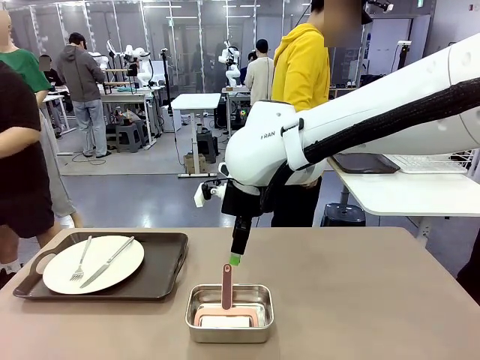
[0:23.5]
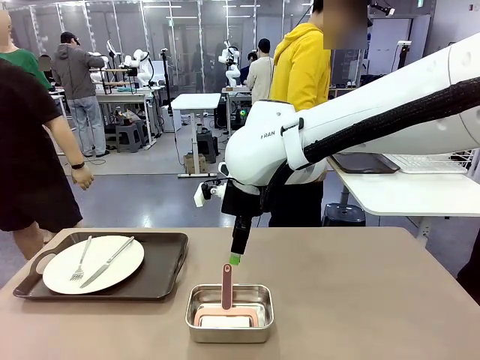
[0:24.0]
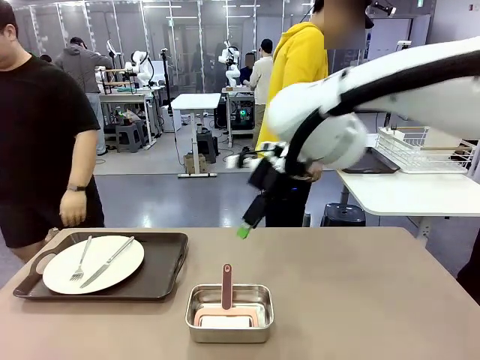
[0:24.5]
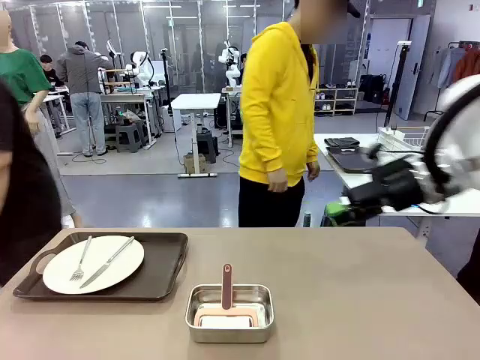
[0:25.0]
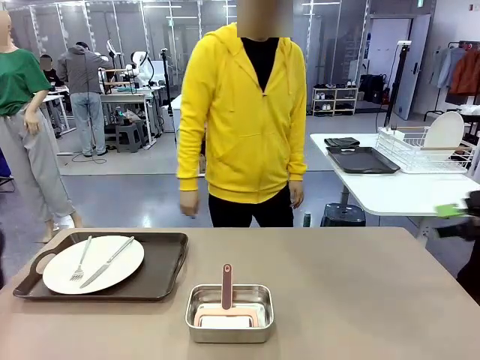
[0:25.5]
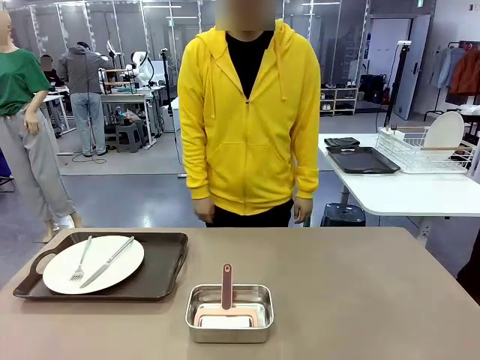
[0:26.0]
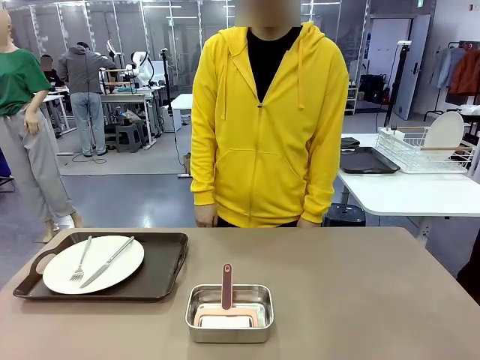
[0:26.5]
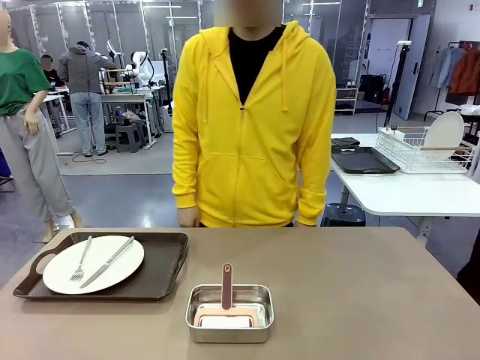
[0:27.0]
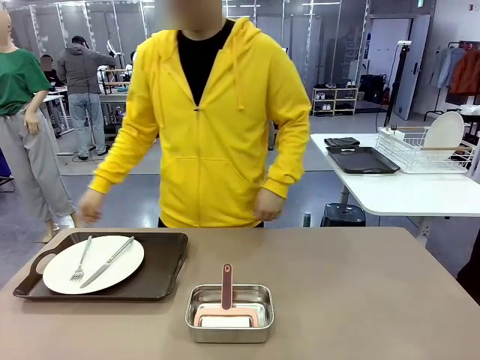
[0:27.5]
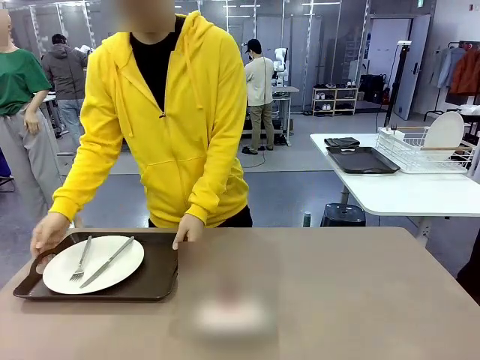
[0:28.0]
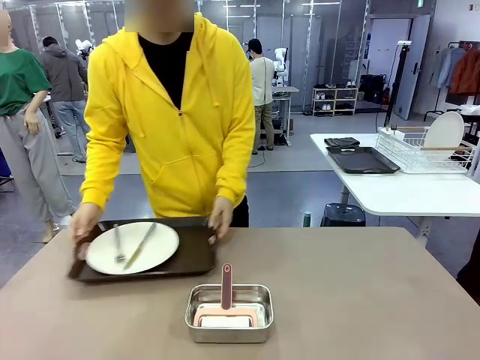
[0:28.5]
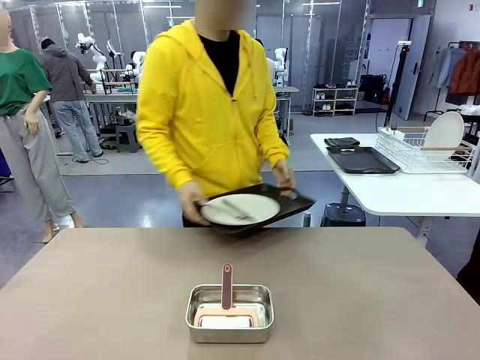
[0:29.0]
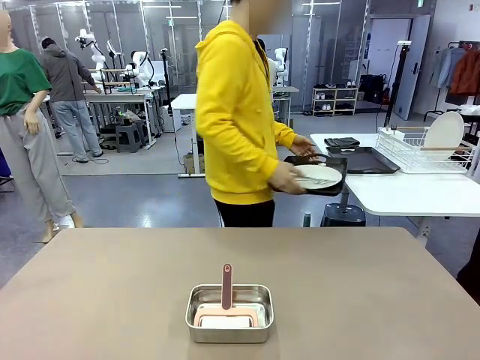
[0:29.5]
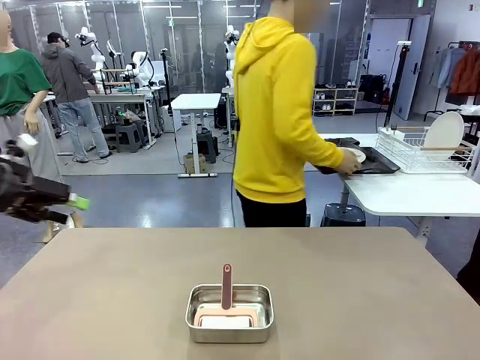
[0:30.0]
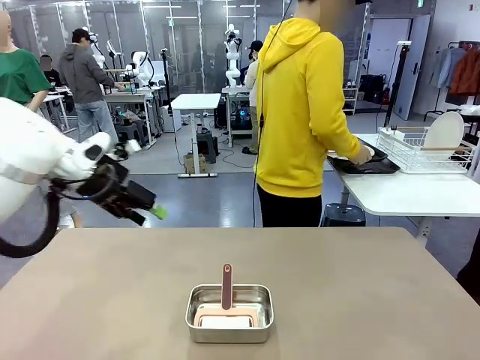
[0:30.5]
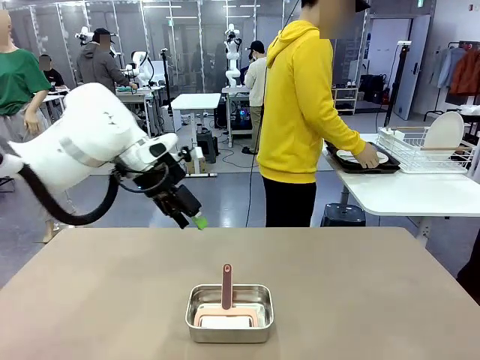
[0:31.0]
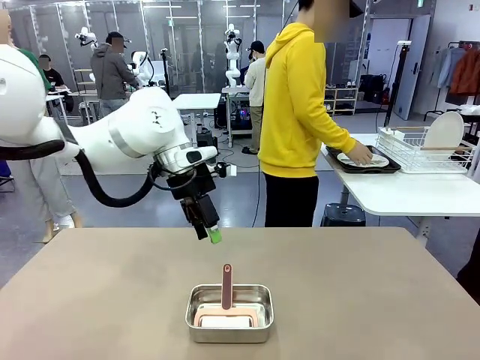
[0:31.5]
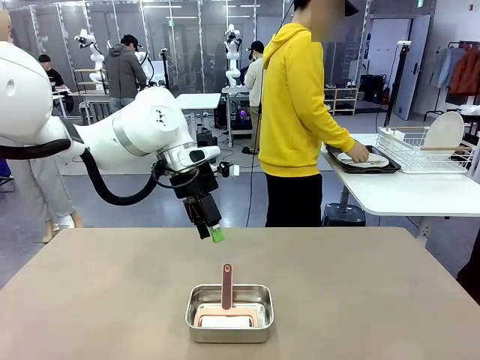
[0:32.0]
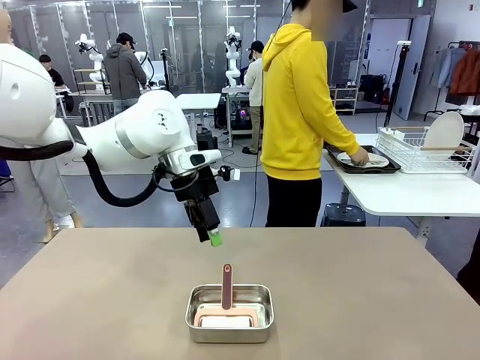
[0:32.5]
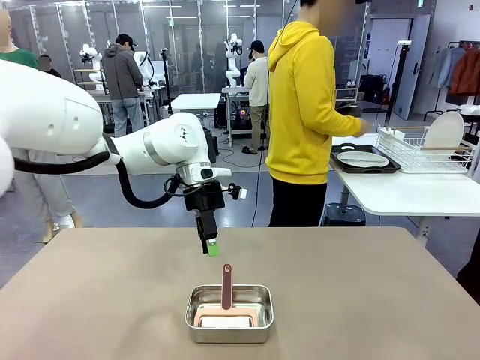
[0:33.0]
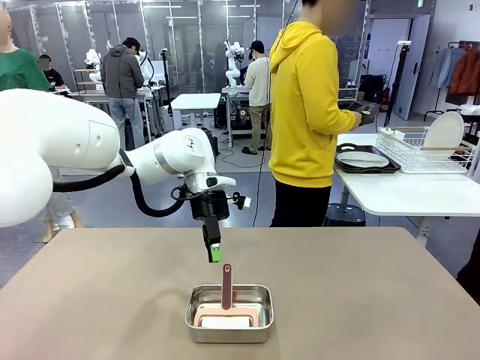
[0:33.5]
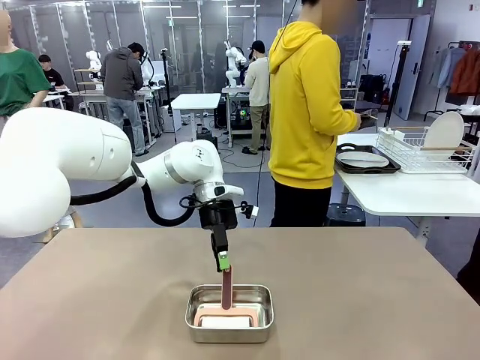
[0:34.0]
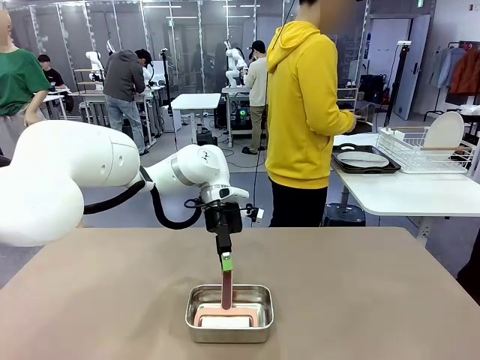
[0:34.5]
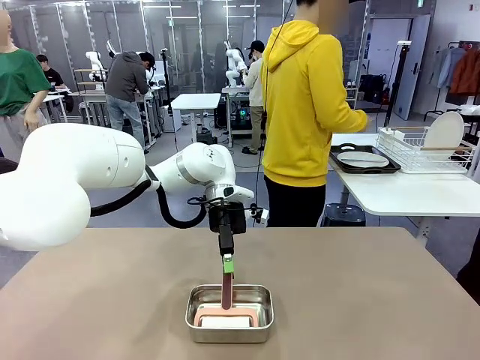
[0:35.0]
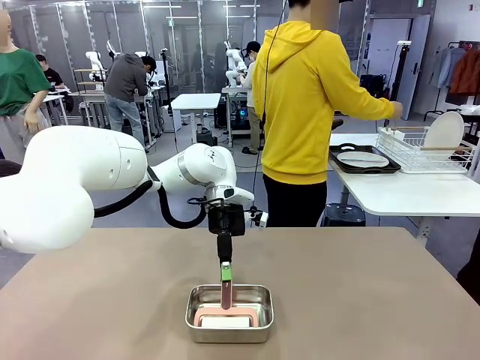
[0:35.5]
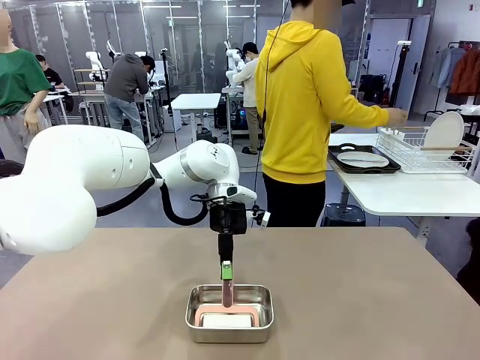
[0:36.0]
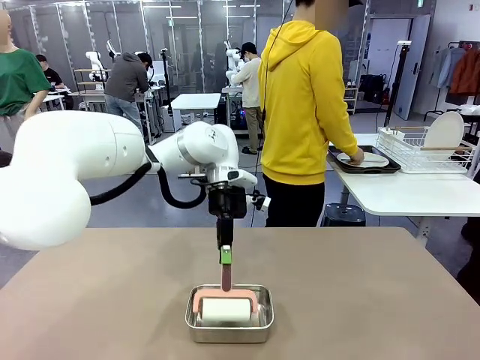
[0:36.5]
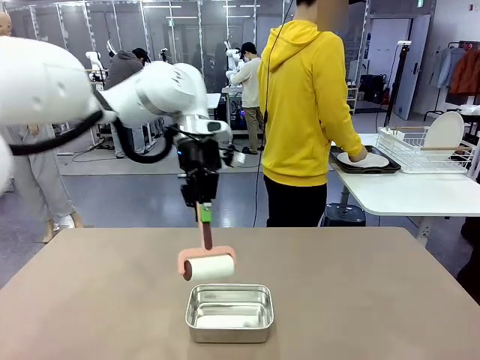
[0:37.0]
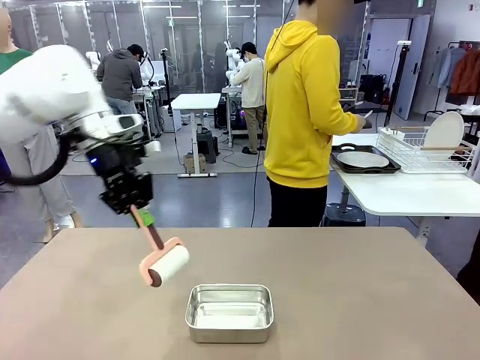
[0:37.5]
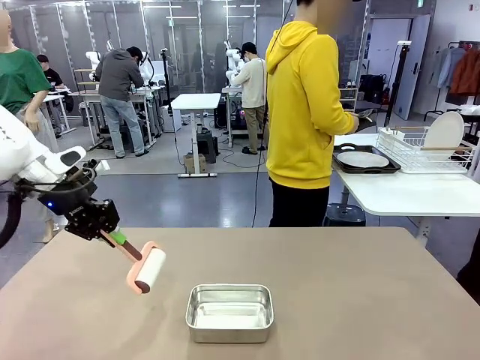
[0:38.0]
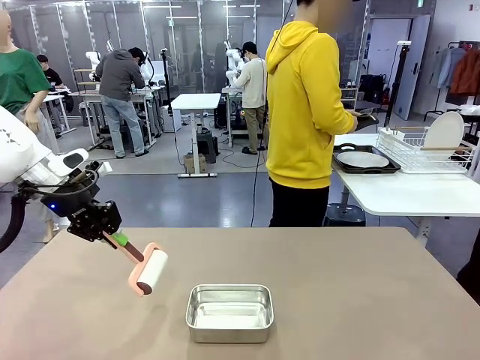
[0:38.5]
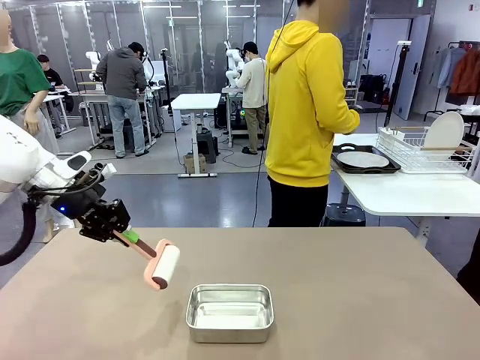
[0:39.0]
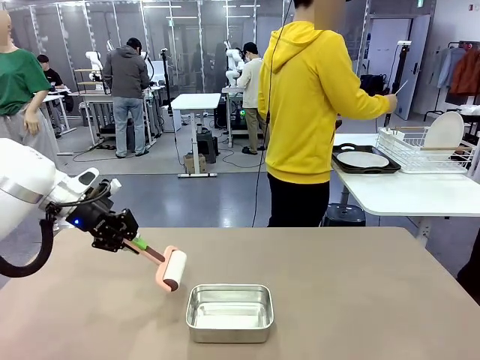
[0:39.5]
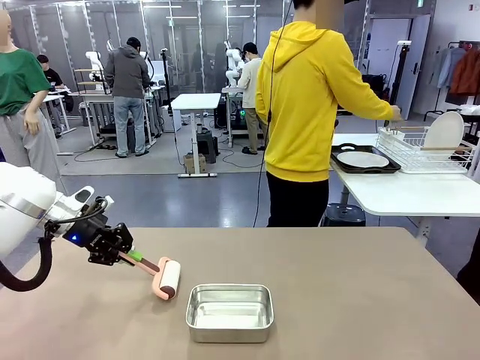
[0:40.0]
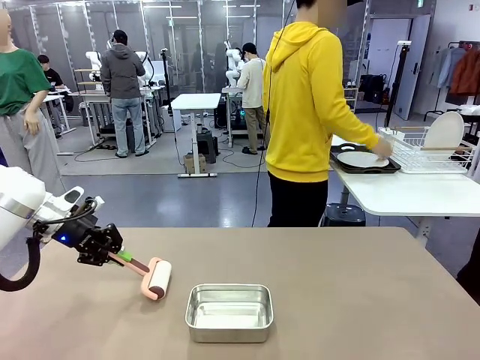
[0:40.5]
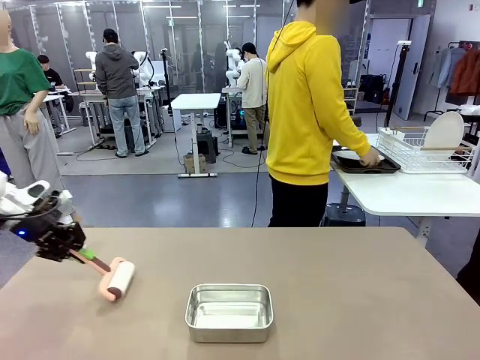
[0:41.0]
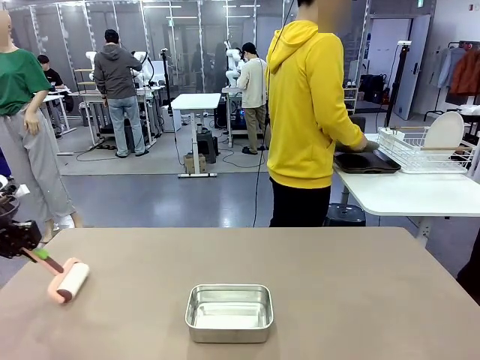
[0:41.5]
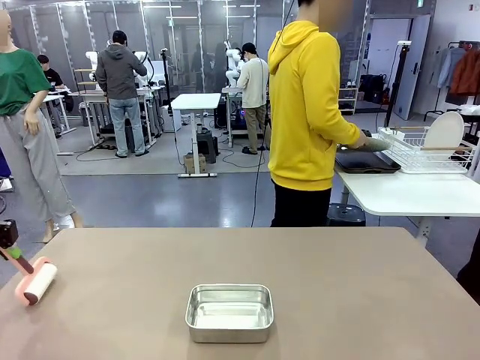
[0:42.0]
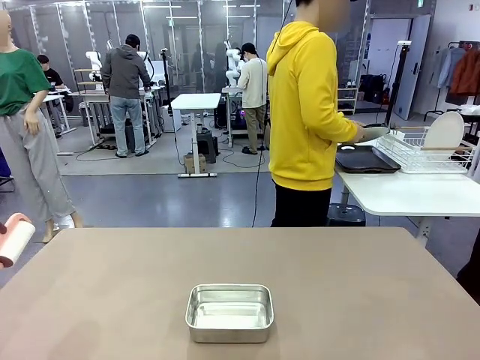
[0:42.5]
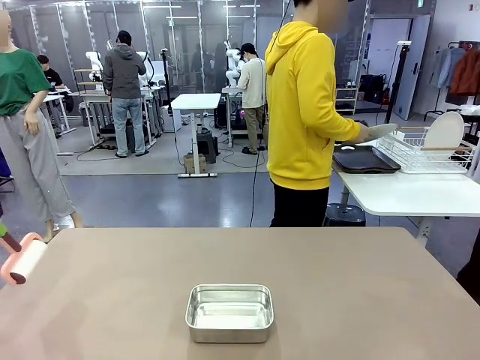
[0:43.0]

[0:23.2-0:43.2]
Robot: When the right (or left) Handle tray is removed, use the right hand (or left hand) to clean the right (or left) side of the table with the Lint Roller.
Person: Pick up the left (or right) Handle tray and place it on the Handle tray. Use the Towel with hook to wipe the Plastic Matte Plate , Fork , and Knife and place into the Dish drying rack.

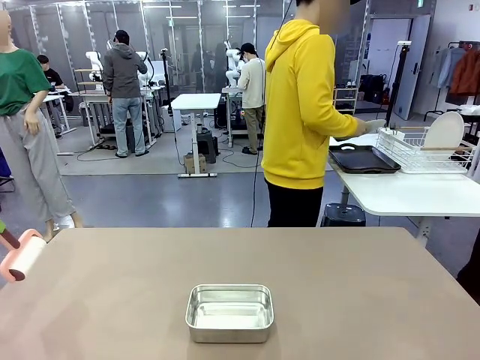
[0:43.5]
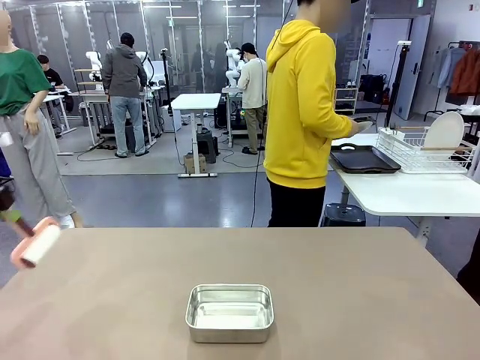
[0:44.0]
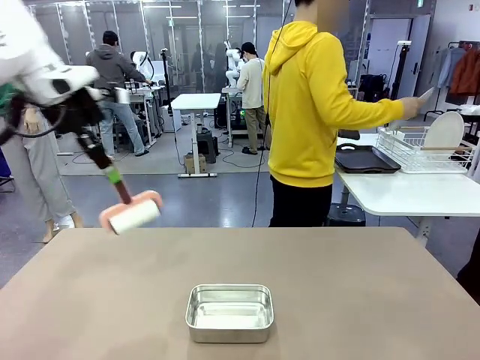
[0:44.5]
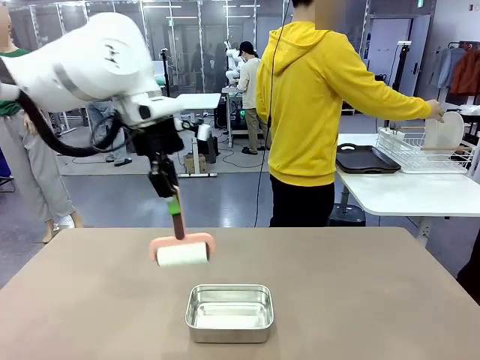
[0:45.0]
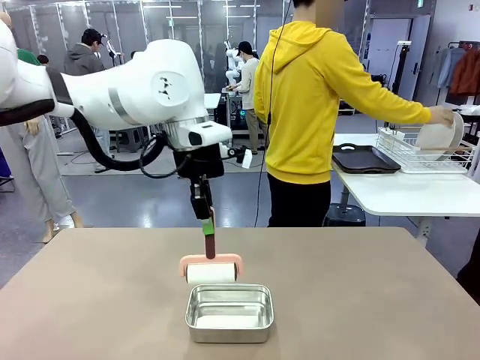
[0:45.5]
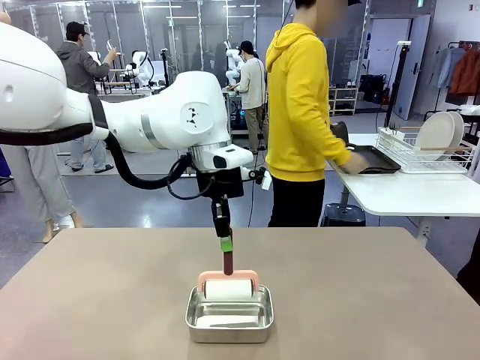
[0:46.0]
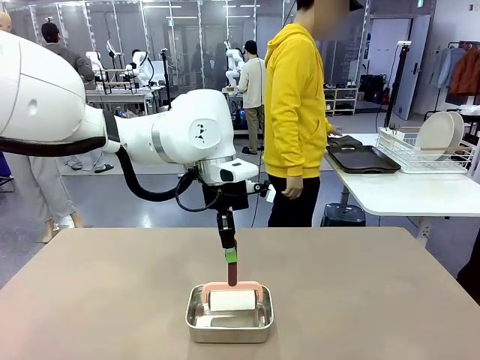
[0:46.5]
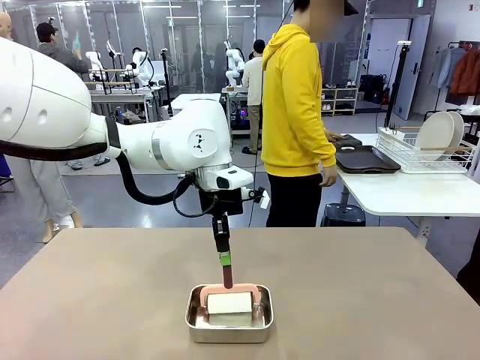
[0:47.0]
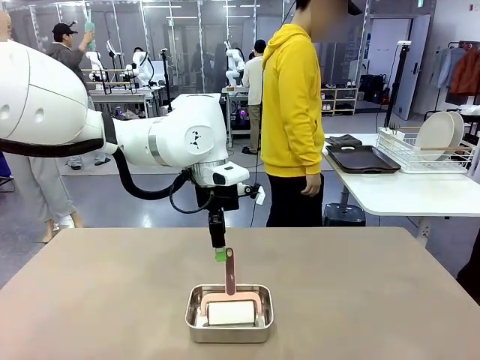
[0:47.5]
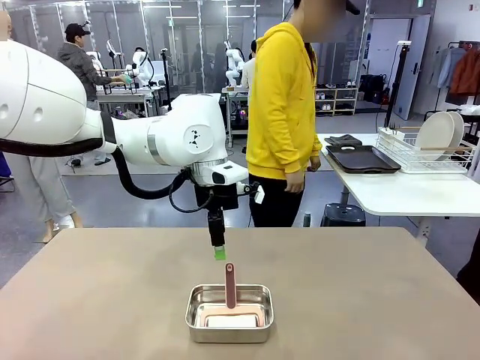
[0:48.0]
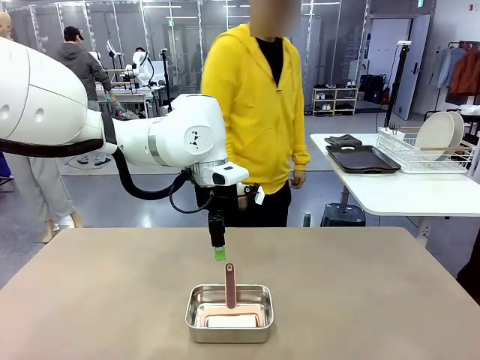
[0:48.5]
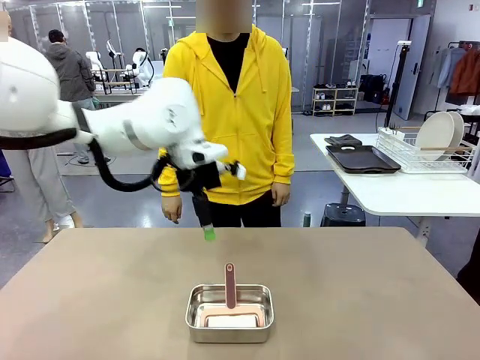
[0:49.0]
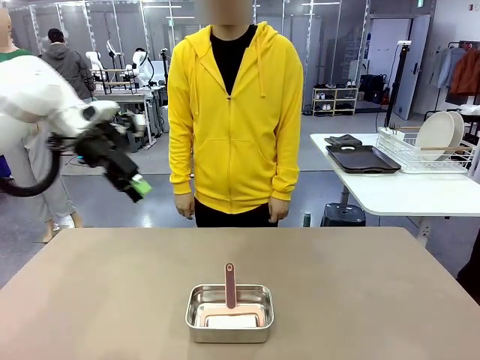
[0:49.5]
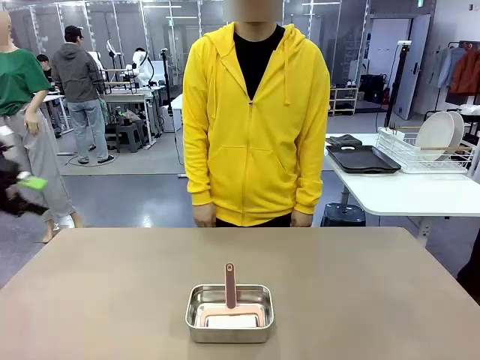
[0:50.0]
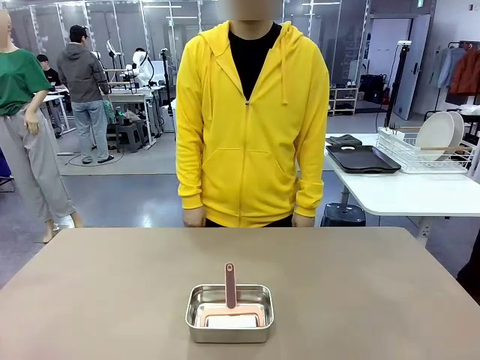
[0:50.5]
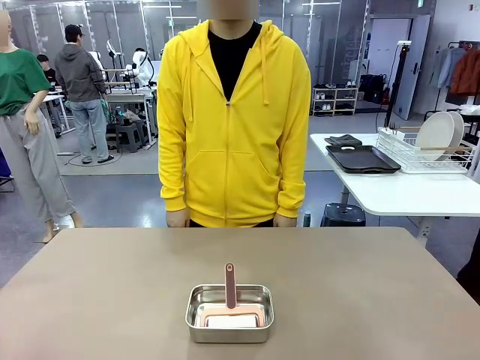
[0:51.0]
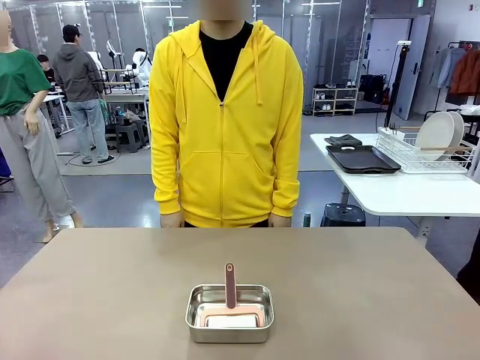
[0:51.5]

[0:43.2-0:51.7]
Robot: Place the Lint Roller back on top of the Airtight Container.
